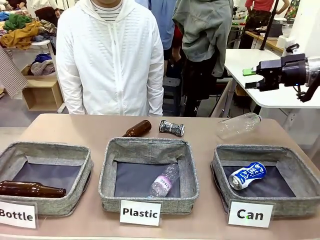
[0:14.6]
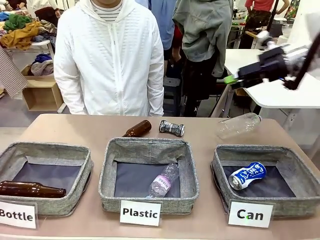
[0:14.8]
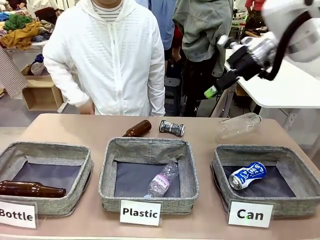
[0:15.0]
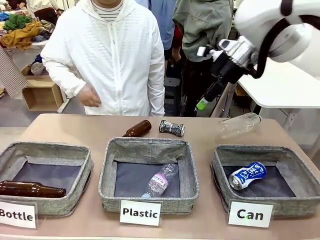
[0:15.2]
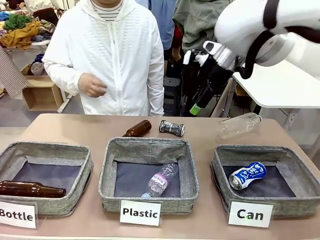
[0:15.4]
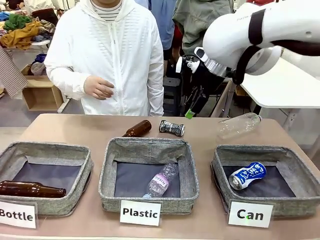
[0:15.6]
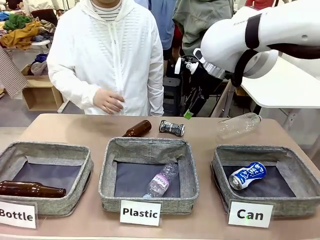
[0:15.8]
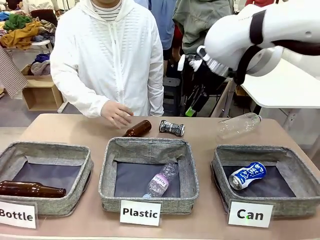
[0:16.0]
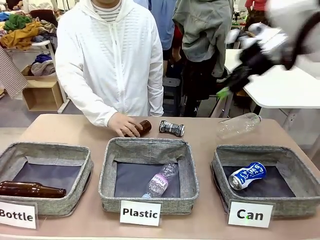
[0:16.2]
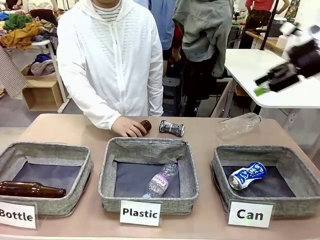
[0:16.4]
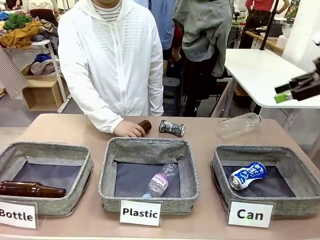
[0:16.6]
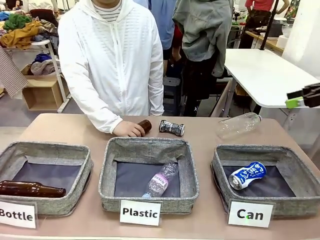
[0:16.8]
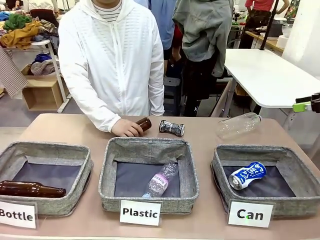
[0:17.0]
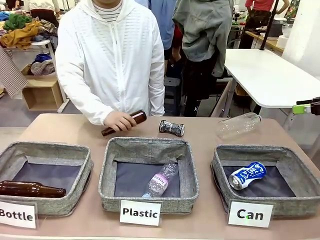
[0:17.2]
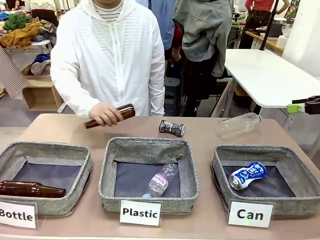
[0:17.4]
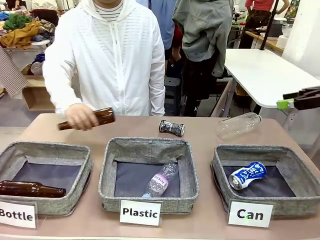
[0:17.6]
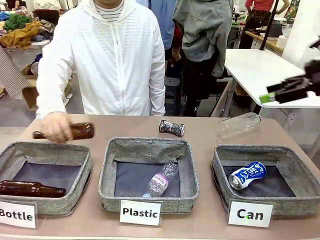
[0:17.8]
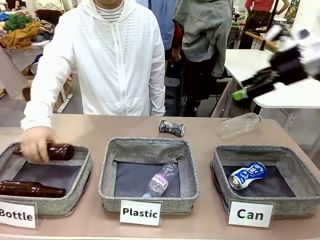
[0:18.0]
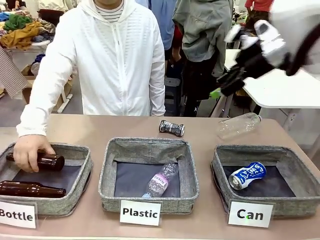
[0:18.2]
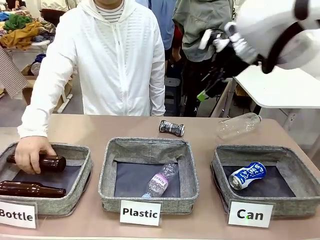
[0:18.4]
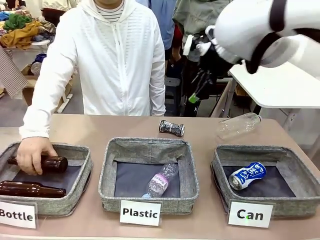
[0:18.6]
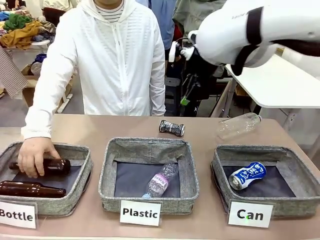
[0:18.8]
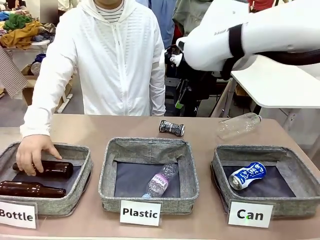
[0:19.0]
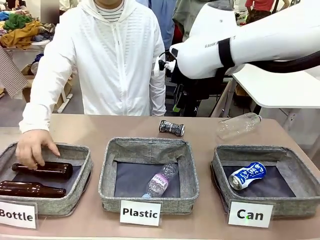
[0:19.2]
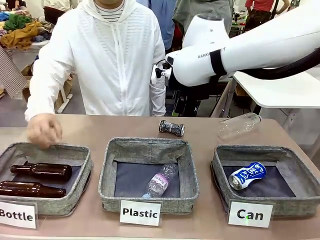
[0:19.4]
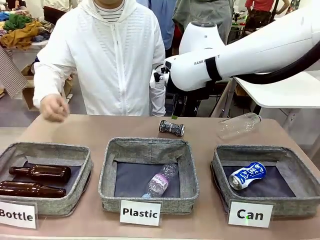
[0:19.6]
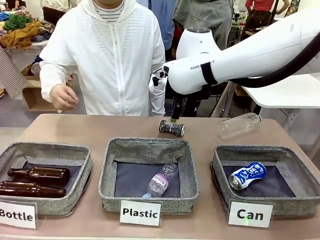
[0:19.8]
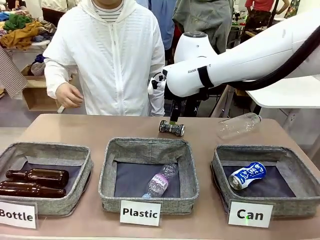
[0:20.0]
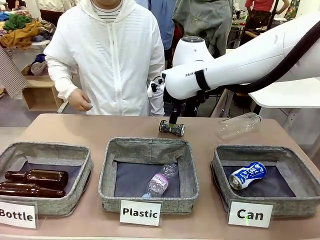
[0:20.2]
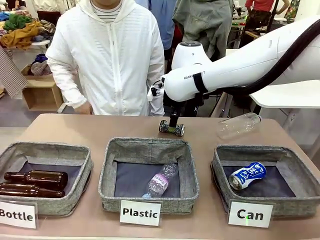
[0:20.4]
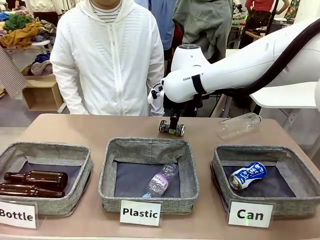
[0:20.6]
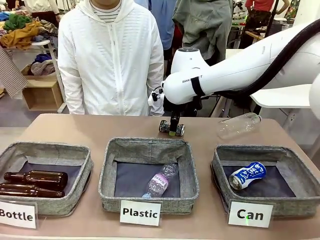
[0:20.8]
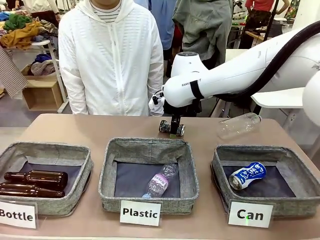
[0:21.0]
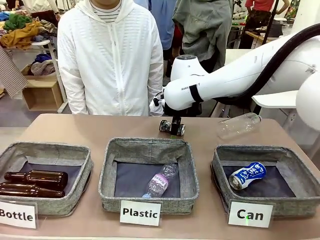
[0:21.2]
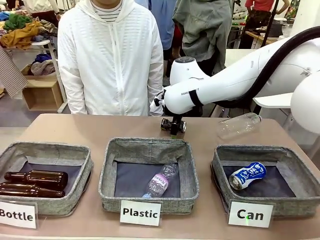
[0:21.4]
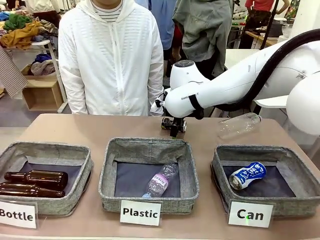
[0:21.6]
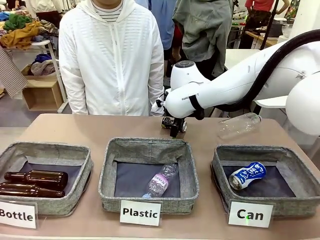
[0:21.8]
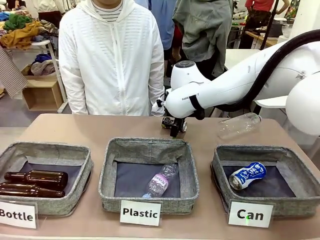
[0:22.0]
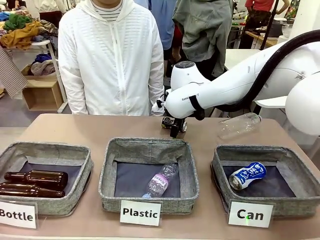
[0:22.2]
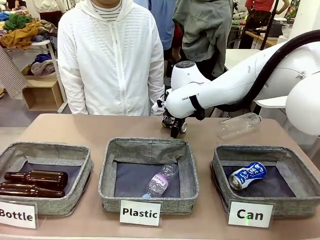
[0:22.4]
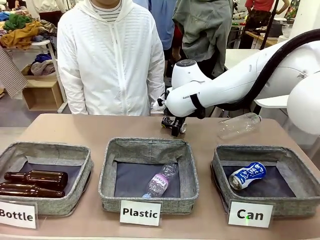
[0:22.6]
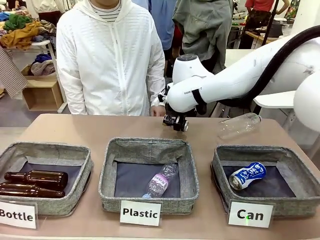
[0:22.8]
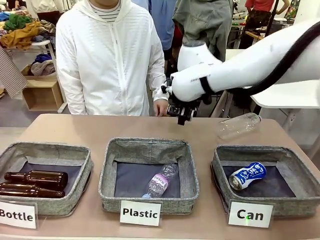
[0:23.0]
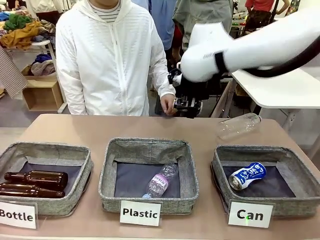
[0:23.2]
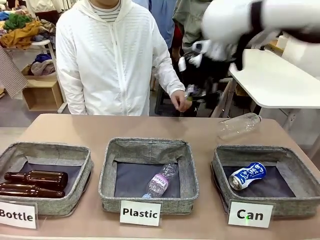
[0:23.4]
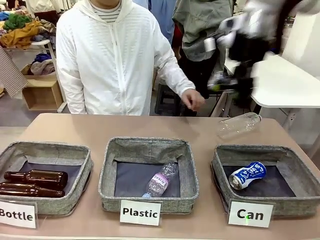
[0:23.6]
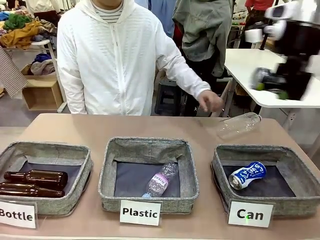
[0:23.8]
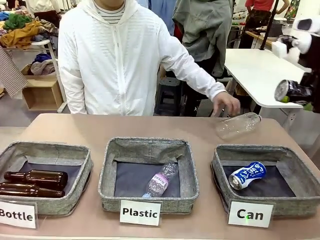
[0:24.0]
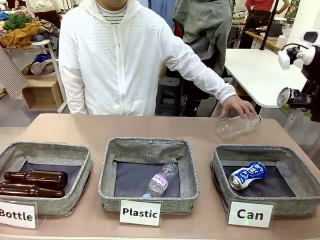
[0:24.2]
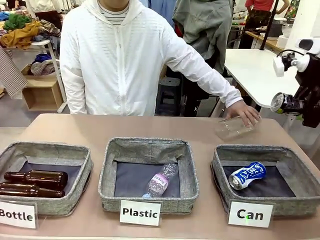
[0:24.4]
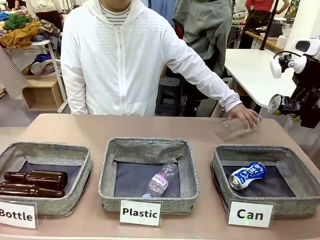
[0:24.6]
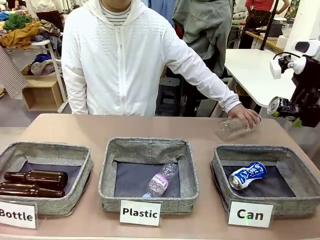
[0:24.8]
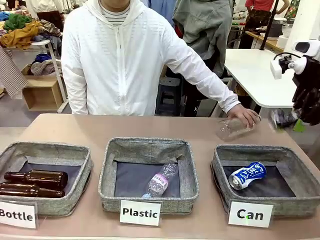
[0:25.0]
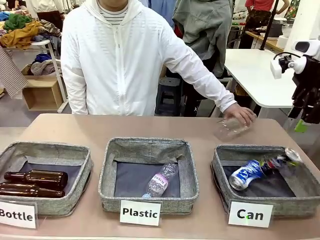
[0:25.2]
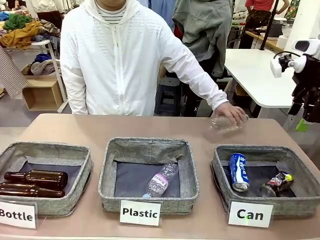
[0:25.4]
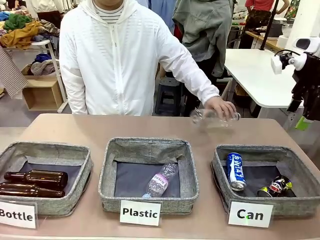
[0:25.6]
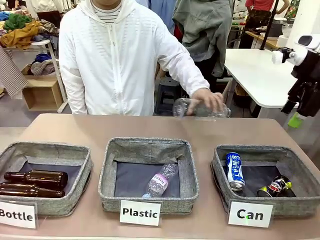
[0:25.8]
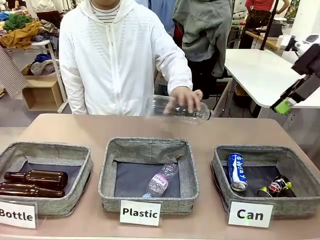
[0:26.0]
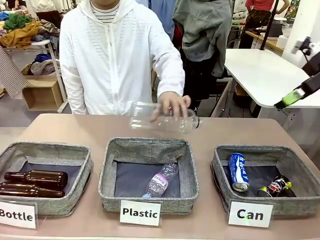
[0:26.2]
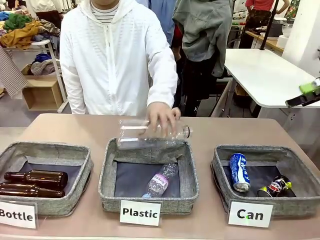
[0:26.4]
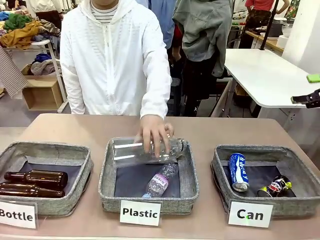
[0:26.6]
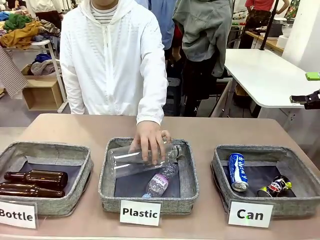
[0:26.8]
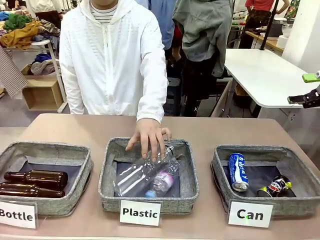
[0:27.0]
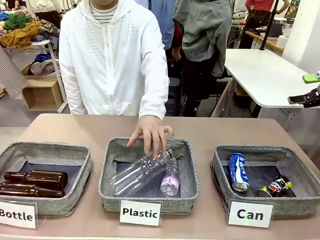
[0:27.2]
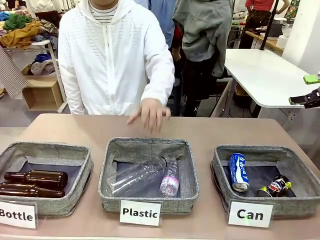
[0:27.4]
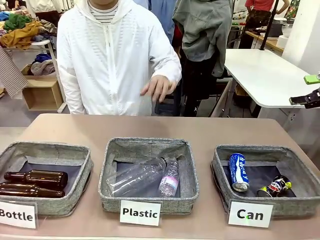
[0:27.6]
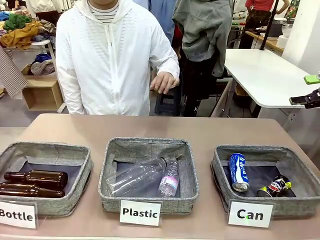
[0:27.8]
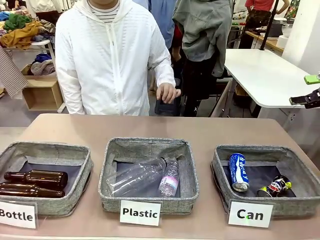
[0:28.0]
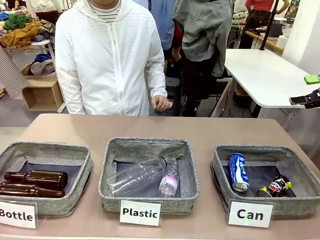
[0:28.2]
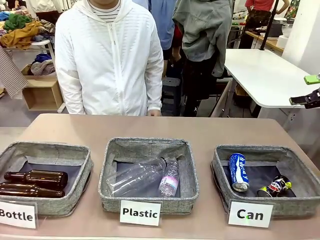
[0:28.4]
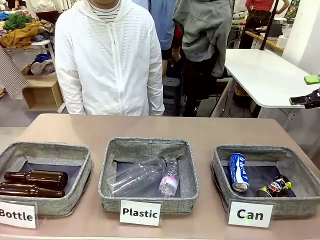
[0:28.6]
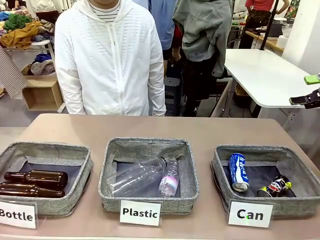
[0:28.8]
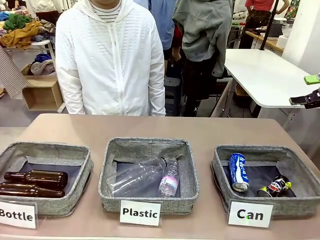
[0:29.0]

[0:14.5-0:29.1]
Task: Sort the can waste into the basket.
Robot: Pick up the can waste from the table and place it in the right Fabric basket.
Person: The human picks up one piece of trash that is not a can and places the trash into the appropriate organizing basket.
